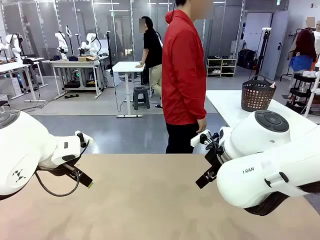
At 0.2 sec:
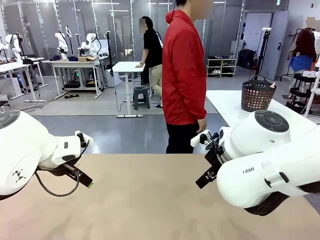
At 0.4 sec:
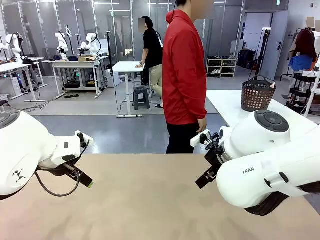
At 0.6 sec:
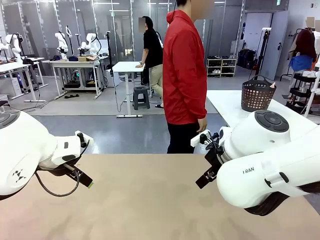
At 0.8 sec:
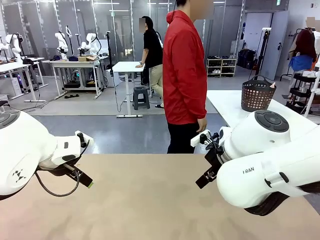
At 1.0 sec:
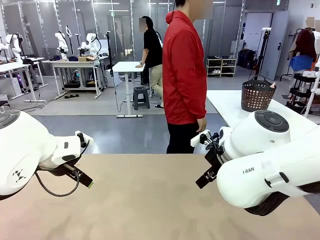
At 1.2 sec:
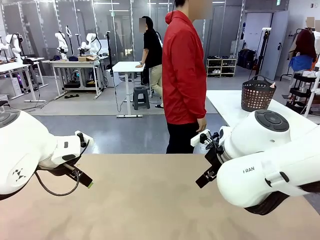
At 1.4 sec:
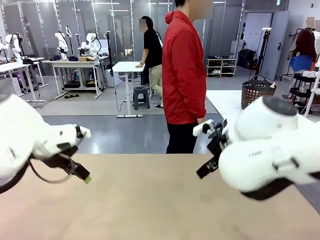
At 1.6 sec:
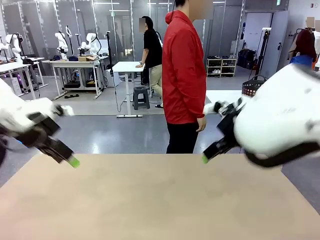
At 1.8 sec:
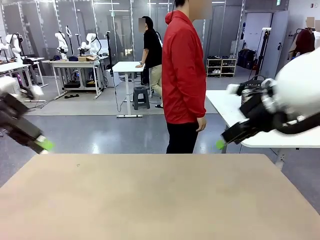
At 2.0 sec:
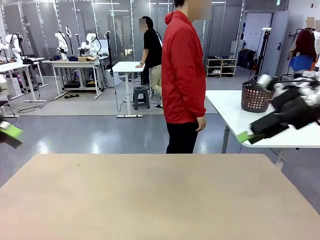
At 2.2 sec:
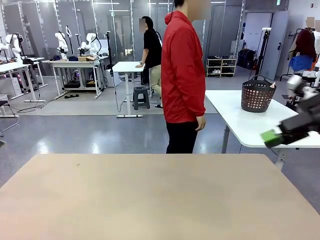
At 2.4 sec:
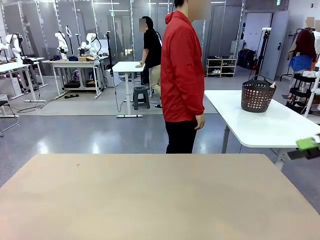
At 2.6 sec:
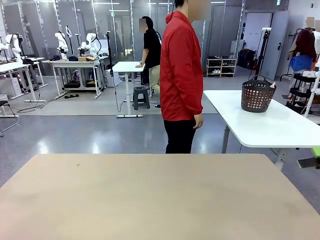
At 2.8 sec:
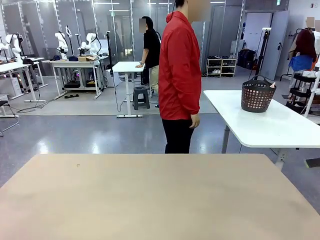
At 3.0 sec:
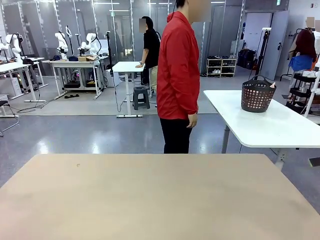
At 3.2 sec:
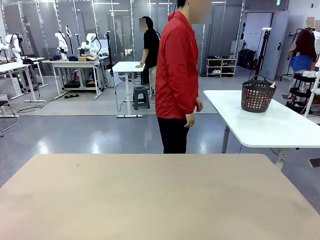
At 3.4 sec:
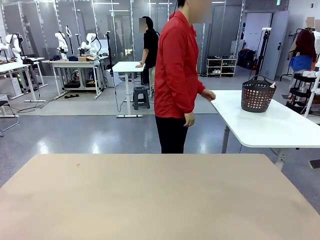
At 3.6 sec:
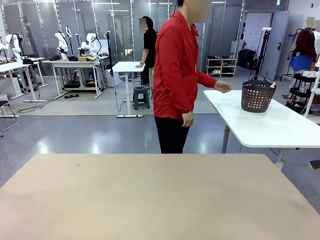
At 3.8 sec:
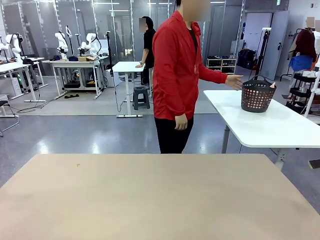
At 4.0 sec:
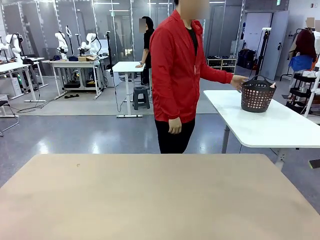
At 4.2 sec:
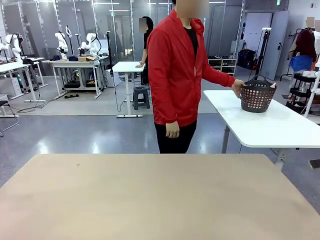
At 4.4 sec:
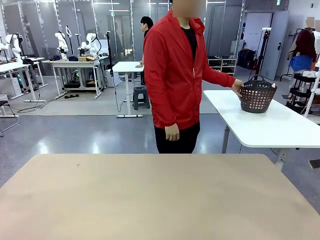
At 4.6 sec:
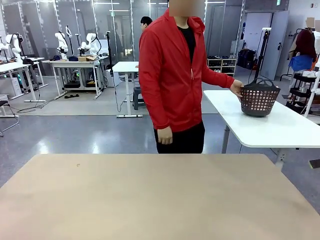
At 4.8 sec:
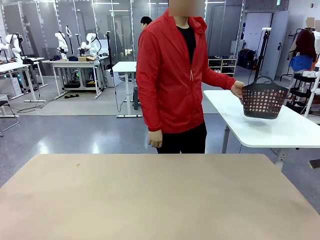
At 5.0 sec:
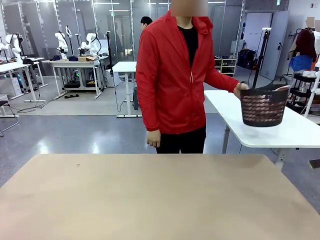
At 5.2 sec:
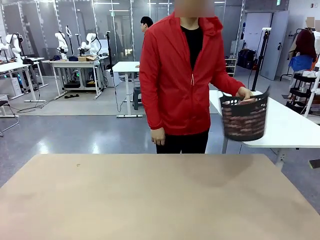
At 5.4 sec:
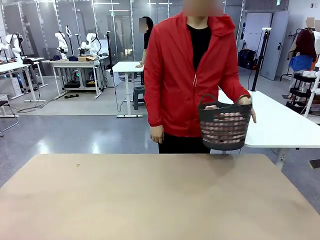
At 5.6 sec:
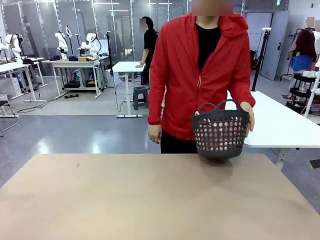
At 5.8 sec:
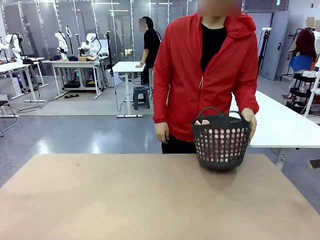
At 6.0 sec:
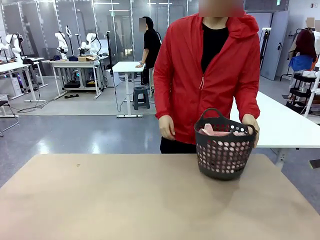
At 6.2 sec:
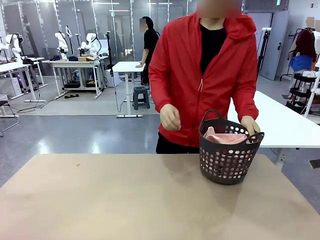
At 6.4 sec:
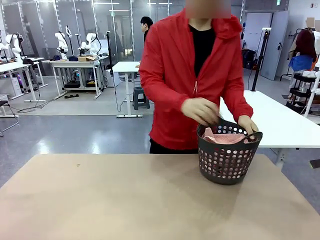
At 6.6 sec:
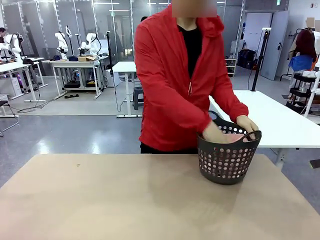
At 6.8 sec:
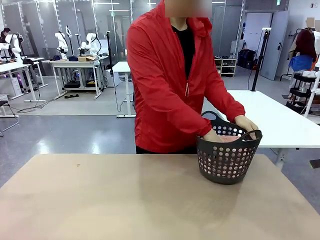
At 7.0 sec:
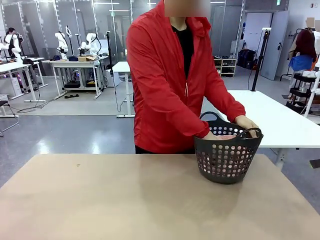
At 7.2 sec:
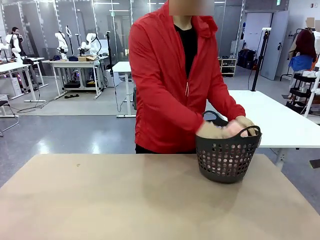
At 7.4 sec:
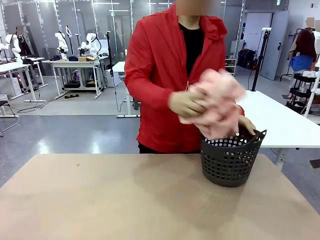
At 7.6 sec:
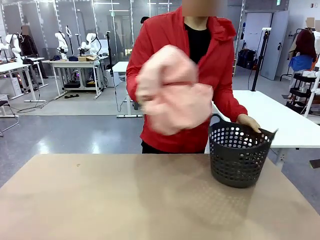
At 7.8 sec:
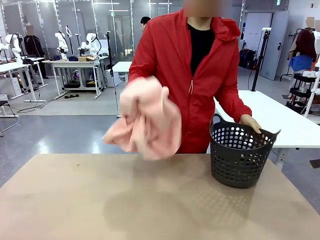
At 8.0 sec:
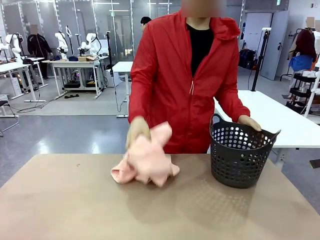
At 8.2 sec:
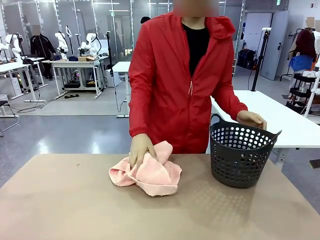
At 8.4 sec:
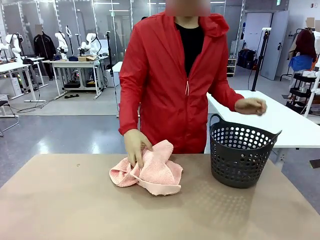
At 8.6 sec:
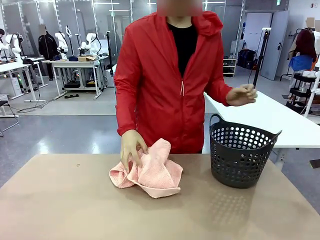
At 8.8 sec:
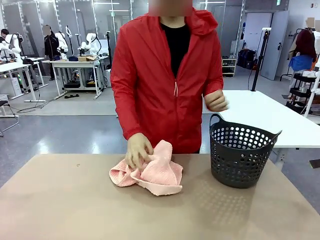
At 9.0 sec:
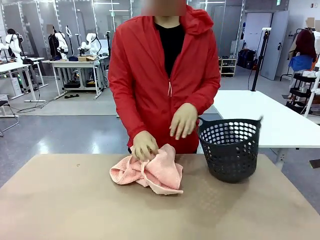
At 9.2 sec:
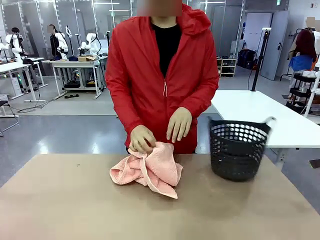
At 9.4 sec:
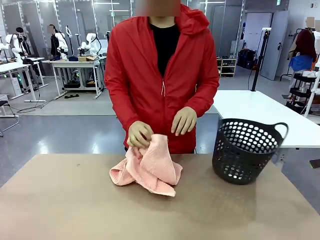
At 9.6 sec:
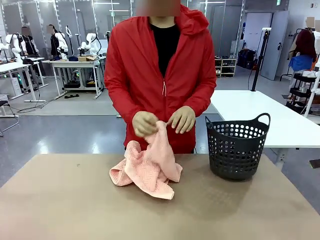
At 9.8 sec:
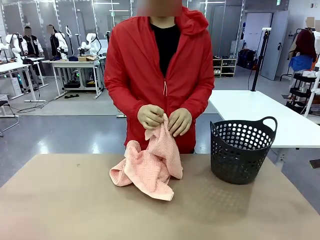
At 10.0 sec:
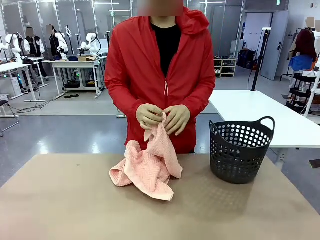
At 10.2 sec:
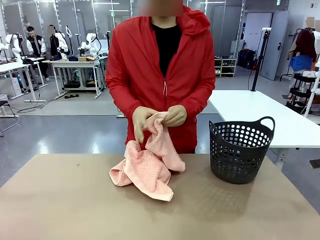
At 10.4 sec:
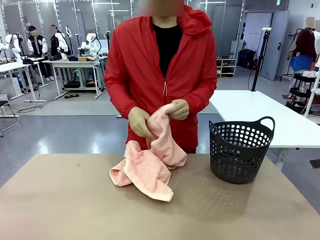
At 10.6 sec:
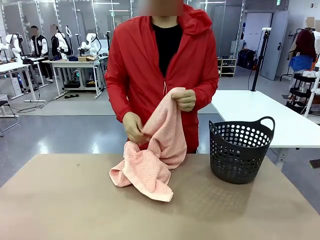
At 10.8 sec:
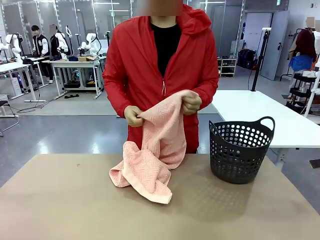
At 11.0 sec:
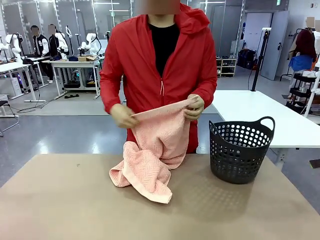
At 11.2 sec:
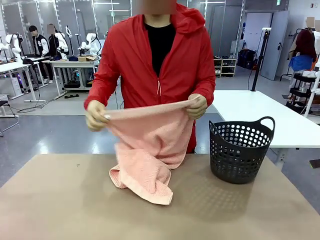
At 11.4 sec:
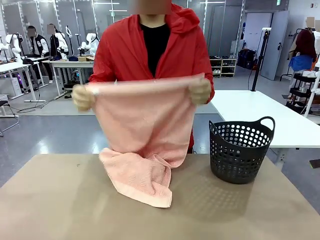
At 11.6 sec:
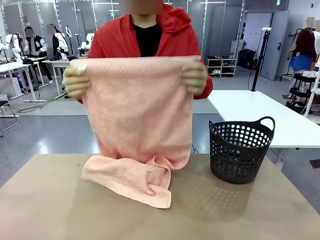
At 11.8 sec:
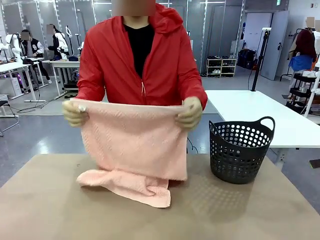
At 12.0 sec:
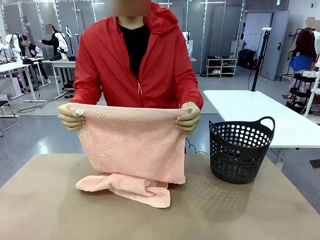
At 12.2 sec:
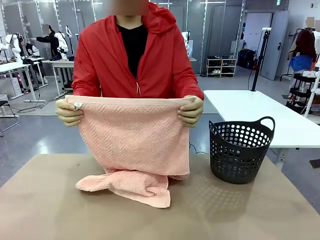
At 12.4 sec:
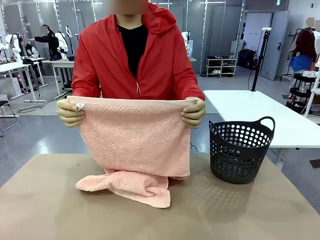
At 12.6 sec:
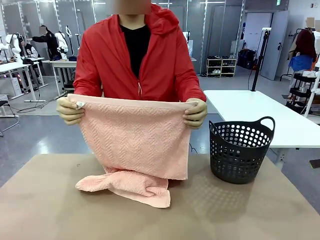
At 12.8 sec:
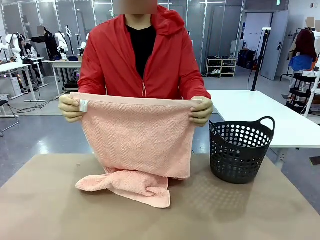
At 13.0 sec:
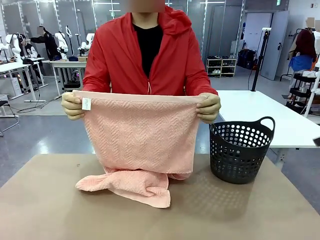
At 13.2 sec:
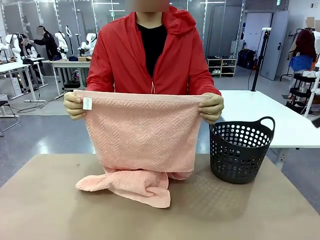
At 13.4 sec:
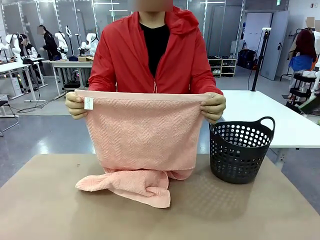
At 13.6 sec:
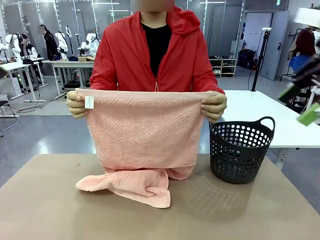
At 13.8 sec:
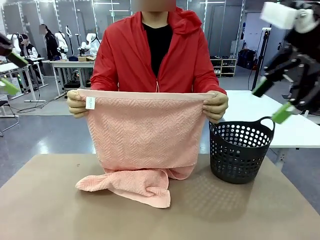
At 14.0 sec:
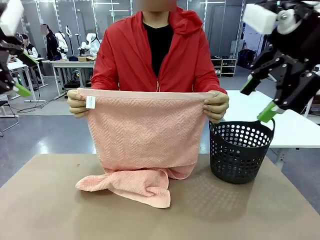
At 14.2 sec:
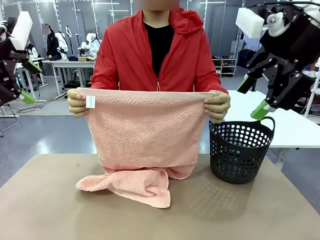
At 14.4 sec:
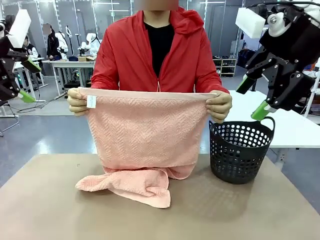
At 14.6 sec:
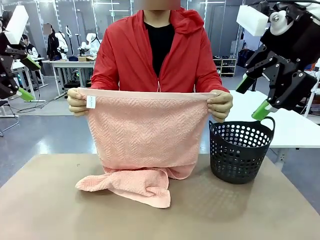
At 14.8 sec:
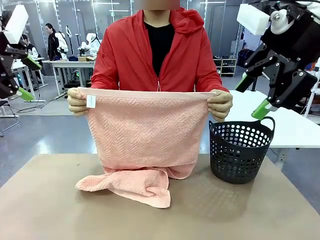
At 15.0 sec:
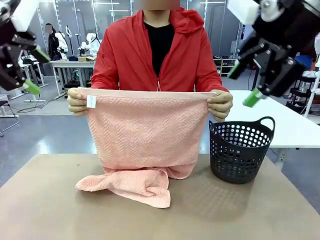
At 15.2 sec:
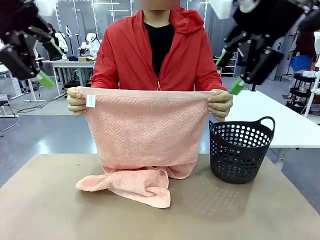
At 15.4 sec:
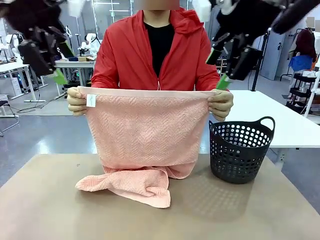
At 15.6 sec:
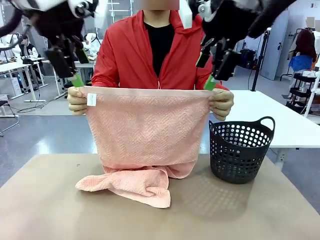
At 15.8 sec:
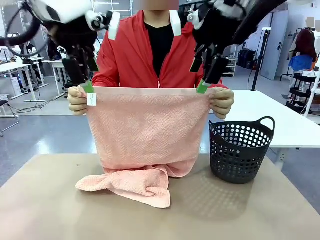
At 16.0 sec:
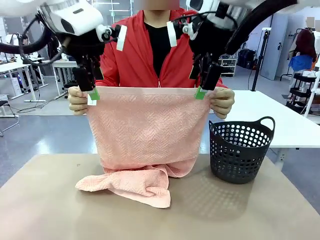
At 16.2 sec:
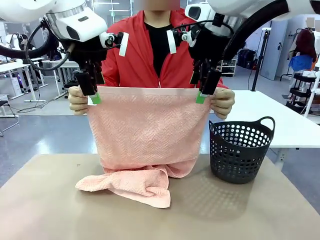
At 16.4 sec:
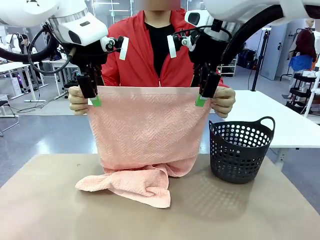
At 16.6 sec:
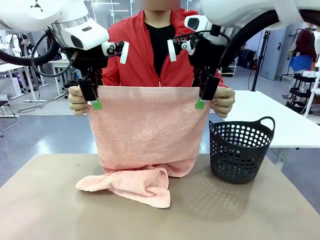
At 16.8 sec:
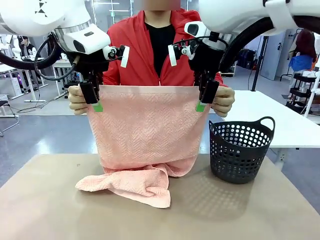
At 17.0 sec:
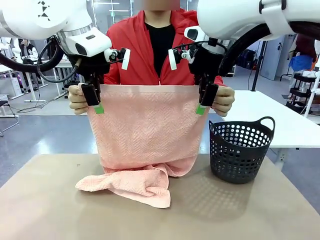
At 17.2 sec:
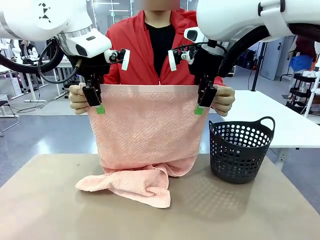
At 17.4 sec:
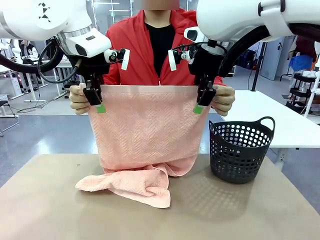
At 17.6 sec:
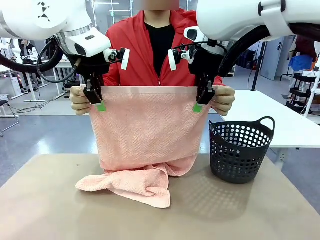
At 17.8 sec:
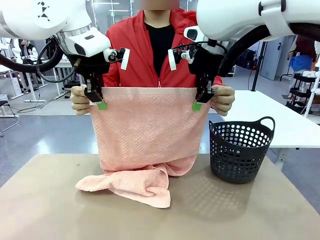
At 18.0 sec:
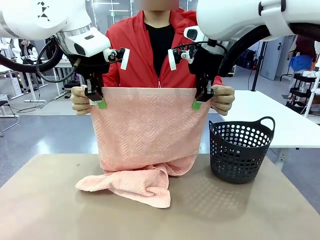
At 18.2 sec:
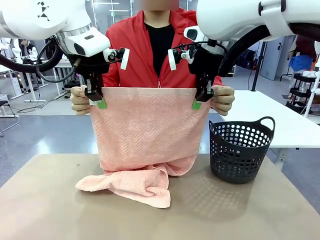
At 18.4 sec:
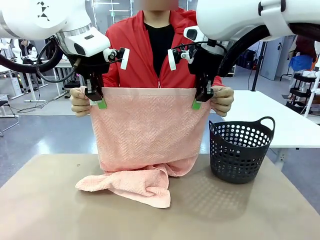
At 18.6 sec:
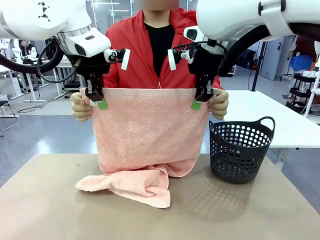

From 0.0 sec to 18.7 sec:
Task: Fold the towel.
Robot: Grab the top end of the 100 cm Hotel Towel extended by the human.
Person: Pick up the laundry basket, place it on the left side of the robot table, then take out a towel and hand it to the robot while holding both corners of one end.
